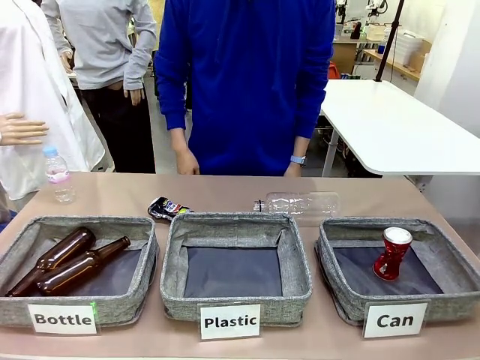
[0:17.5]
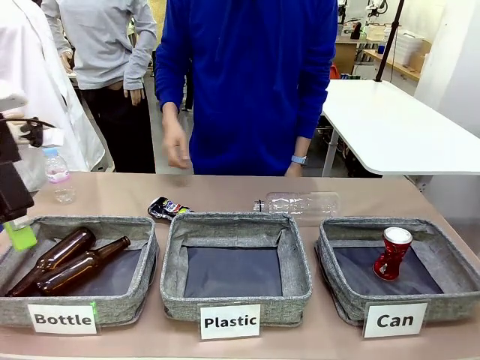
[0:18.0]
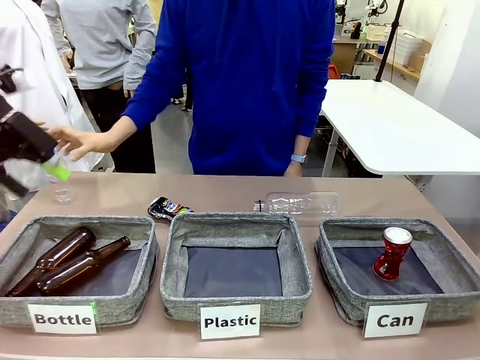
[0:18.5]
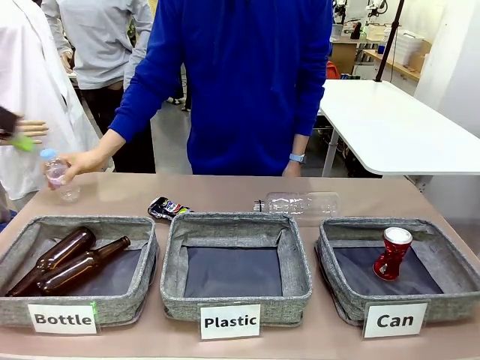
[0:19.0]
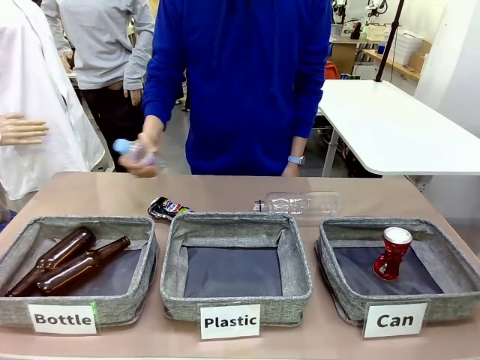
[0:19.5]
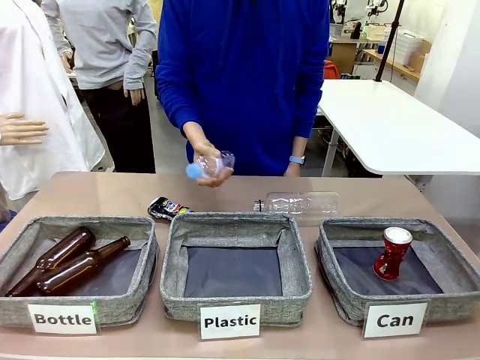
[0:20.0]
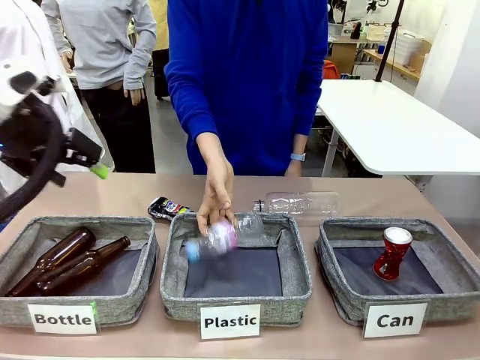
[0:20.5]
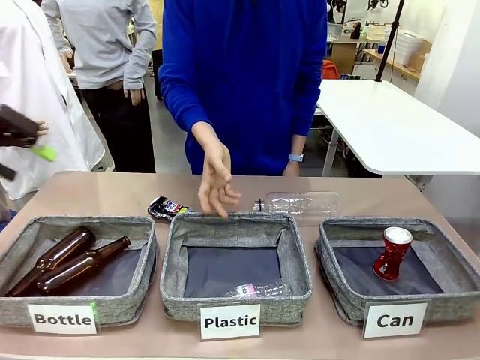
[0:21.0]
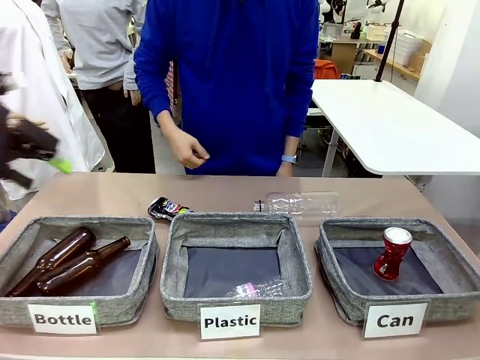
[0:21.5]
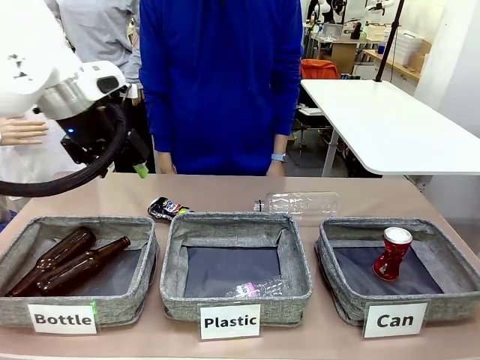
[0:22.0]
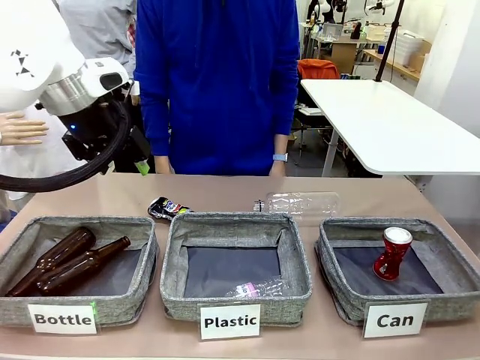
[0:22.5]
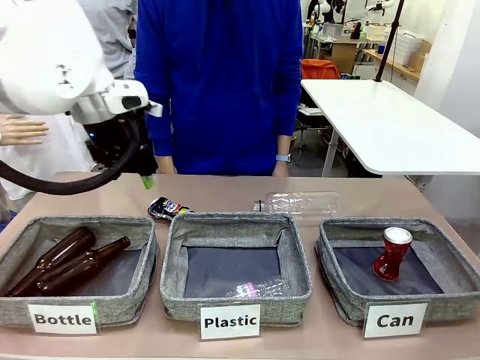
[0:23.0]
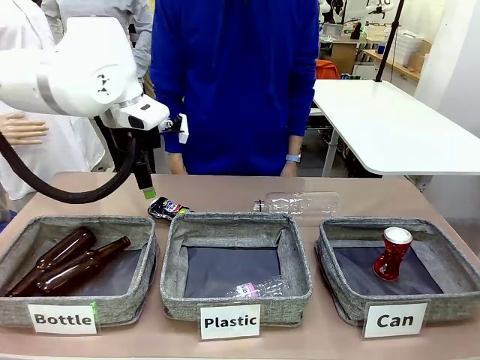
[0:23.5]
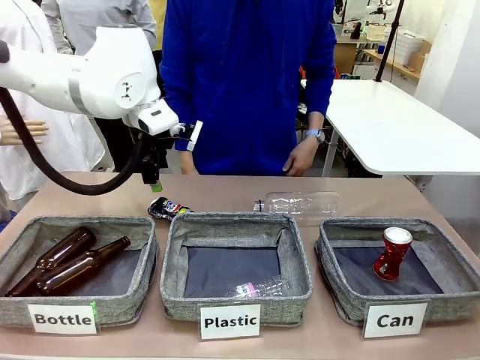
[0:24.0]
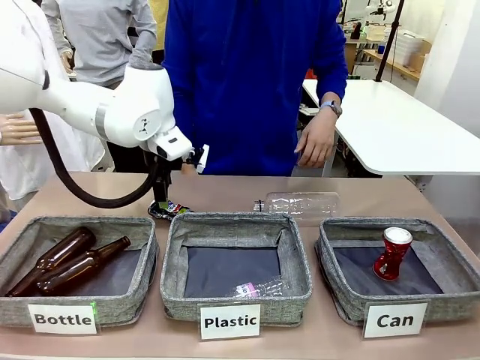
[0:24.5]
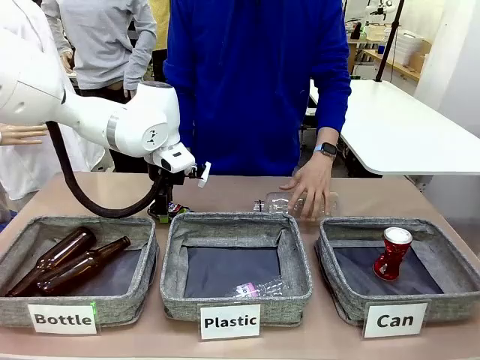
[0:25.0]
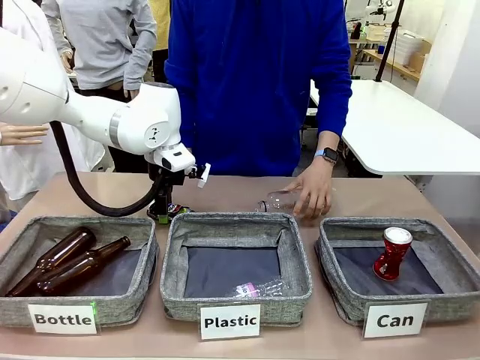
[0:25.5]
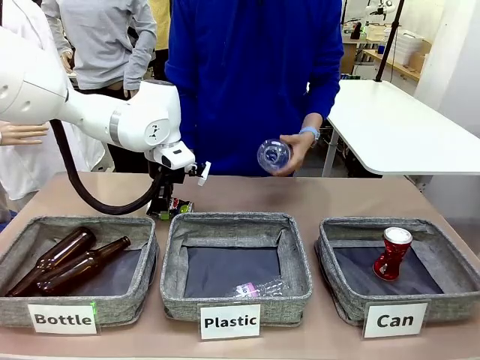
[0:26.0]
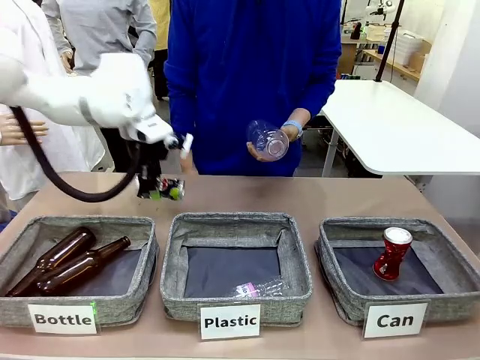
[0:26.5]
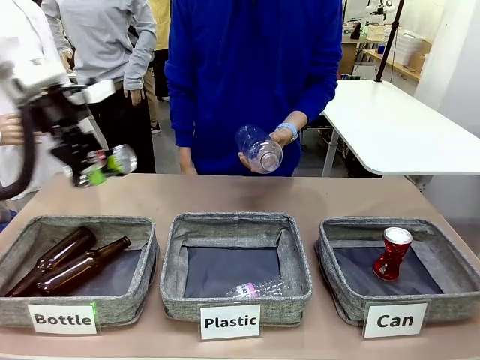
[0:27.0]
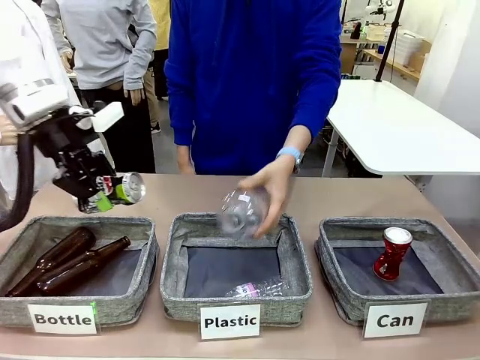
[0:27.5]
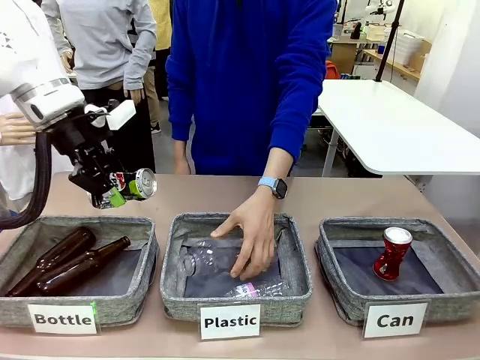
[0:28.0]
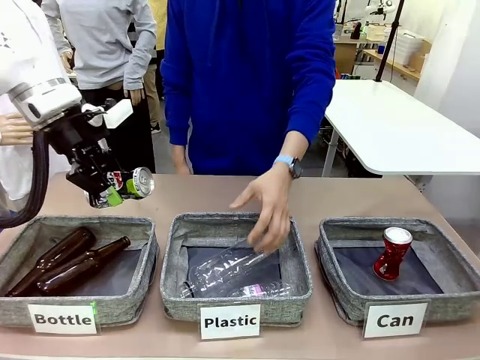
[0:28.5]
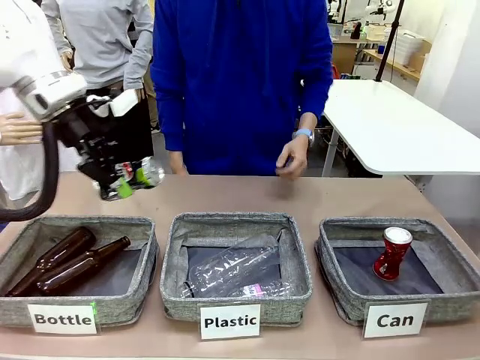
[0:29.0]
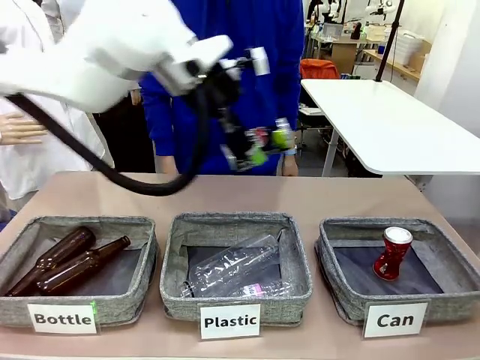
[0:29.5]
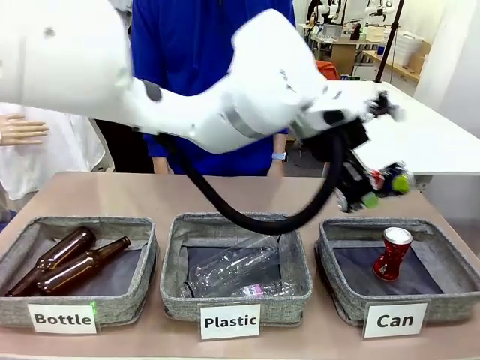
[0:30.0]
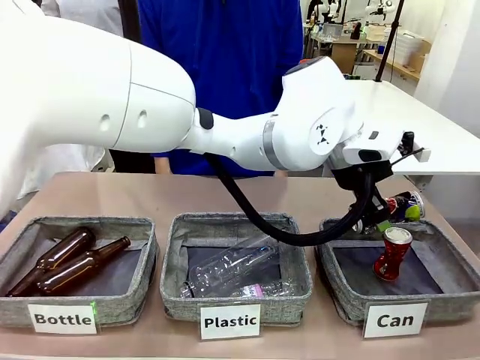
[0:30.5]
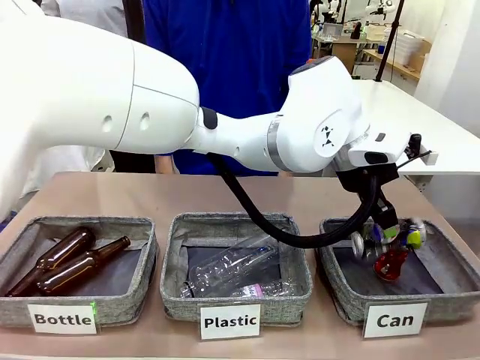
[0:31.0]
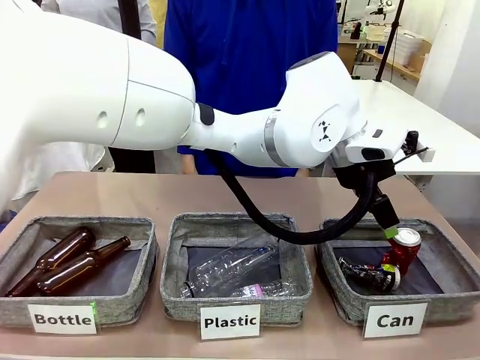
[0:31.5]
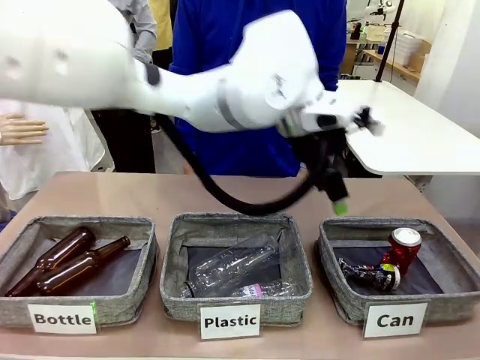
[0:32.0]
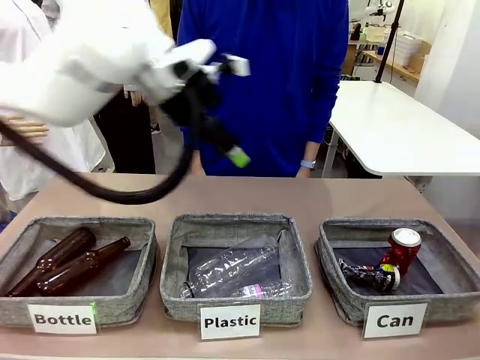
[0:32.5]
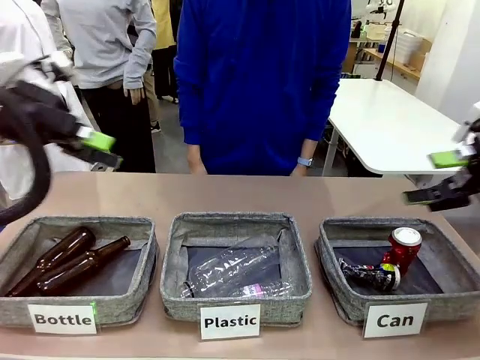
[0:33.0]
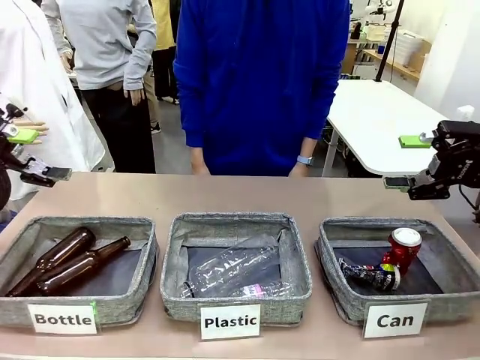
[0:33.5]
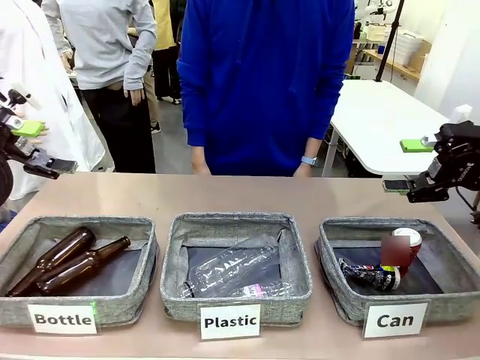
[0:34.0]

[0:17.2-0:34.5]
Task: Sort the can waste into the basket.
Robot: Pick up the can waste from the table and place it in the right Fabric basket.
Person: The human picks up one piece of trash that is not a can and places the trash into the appropriate organizing basket.
